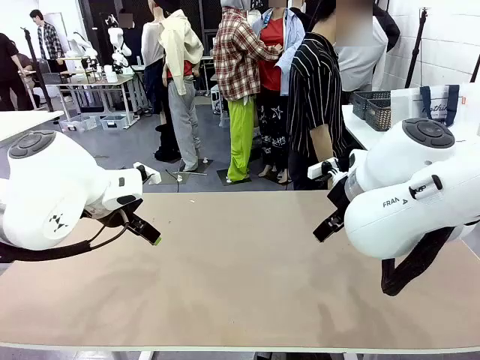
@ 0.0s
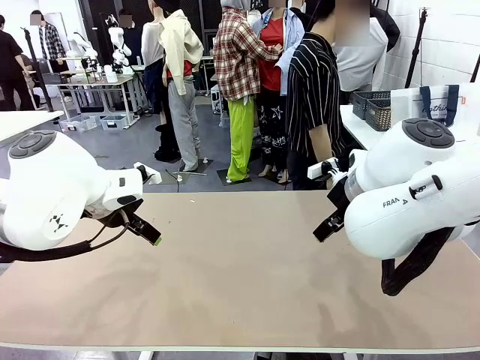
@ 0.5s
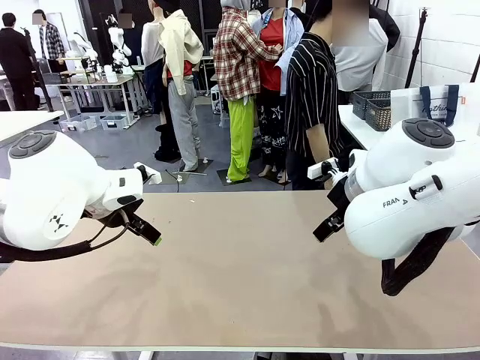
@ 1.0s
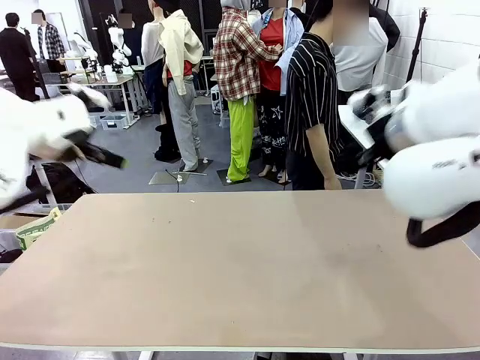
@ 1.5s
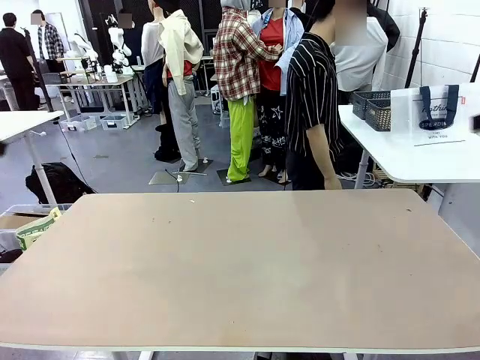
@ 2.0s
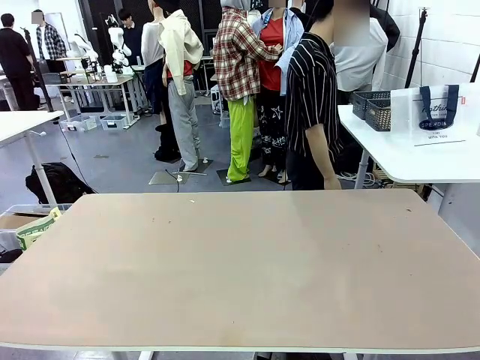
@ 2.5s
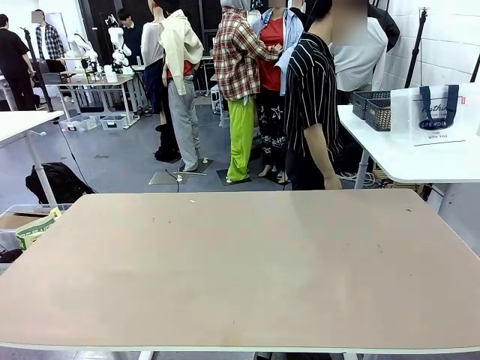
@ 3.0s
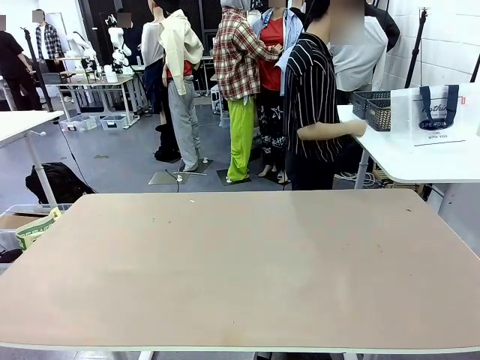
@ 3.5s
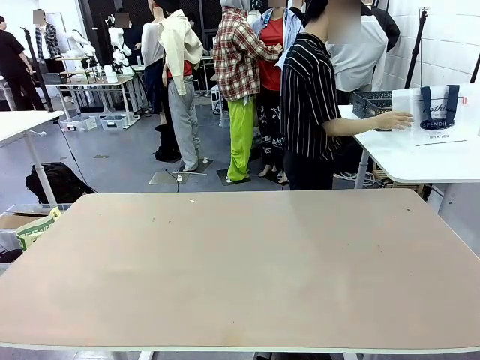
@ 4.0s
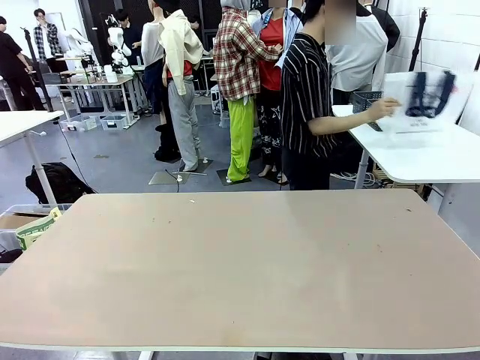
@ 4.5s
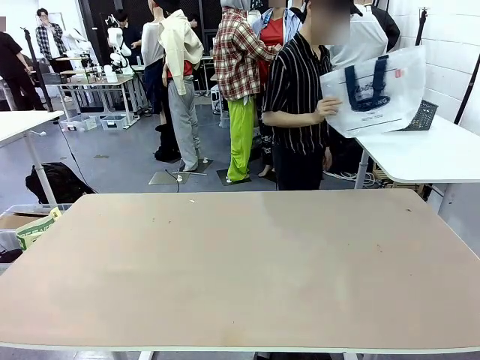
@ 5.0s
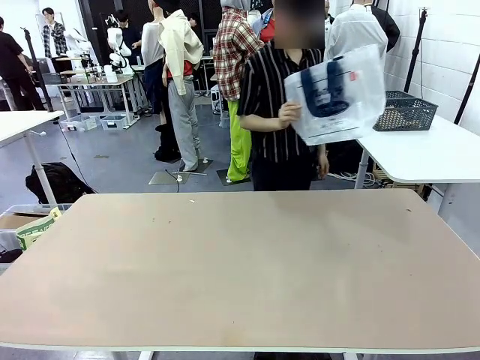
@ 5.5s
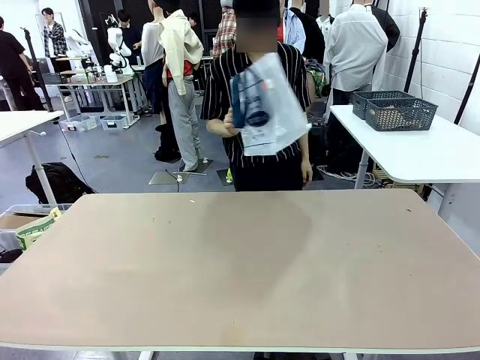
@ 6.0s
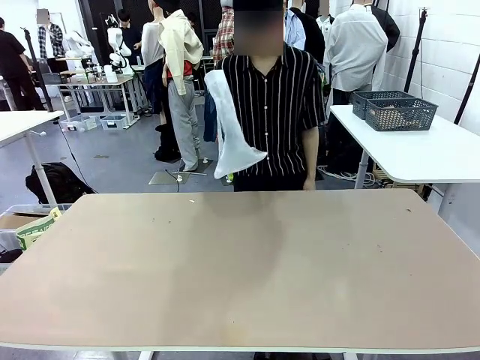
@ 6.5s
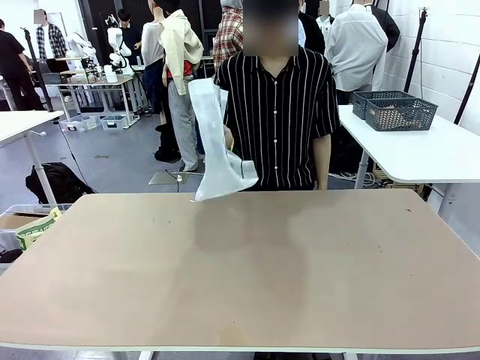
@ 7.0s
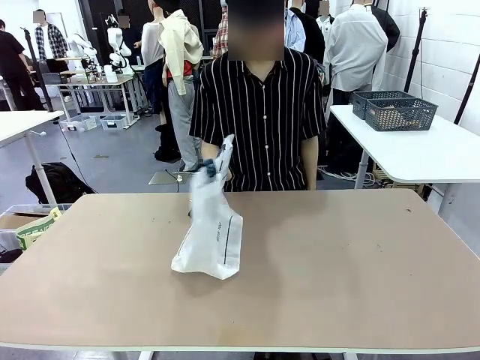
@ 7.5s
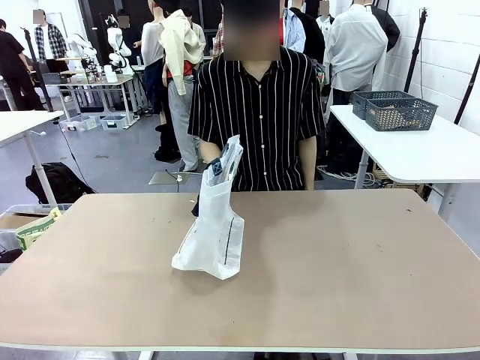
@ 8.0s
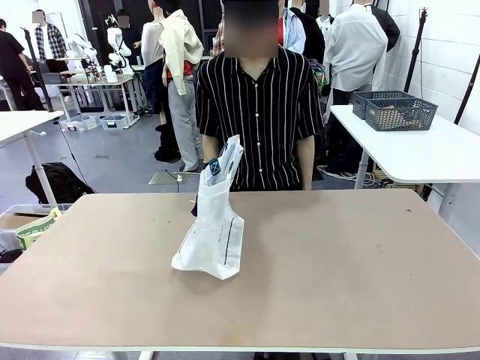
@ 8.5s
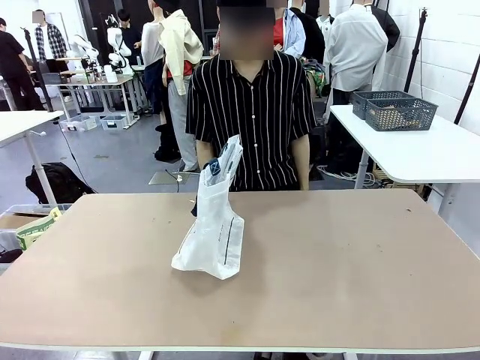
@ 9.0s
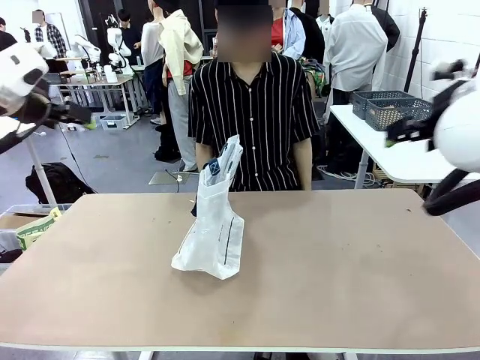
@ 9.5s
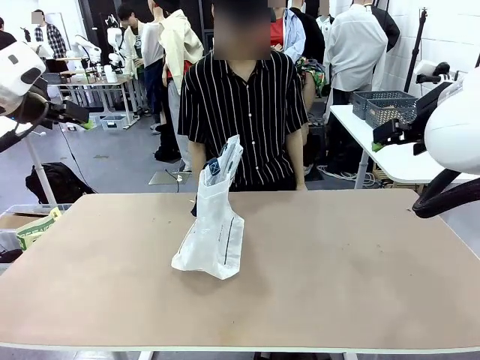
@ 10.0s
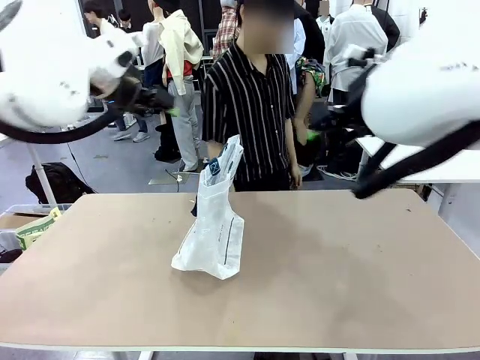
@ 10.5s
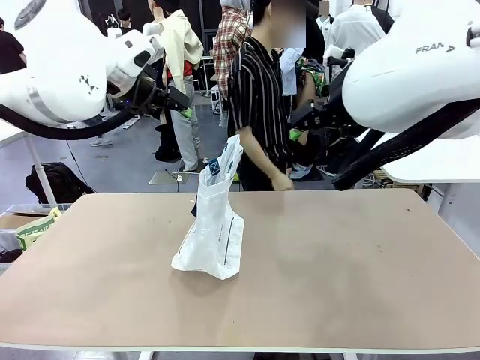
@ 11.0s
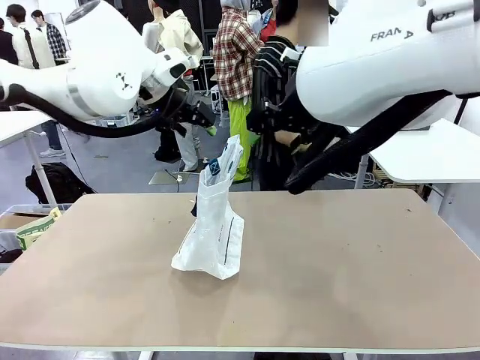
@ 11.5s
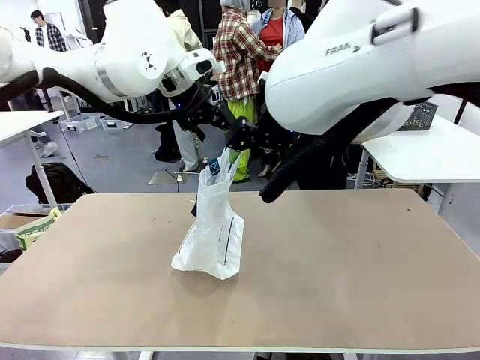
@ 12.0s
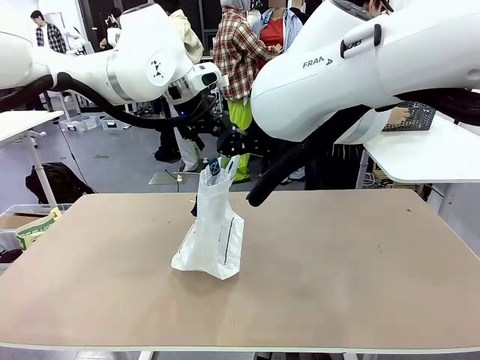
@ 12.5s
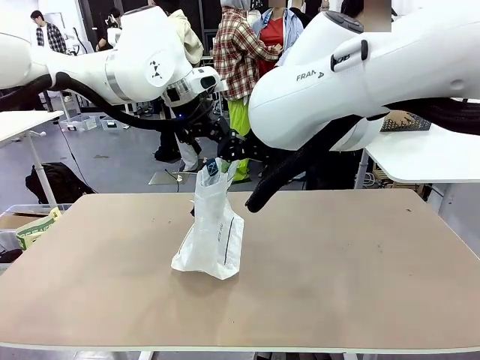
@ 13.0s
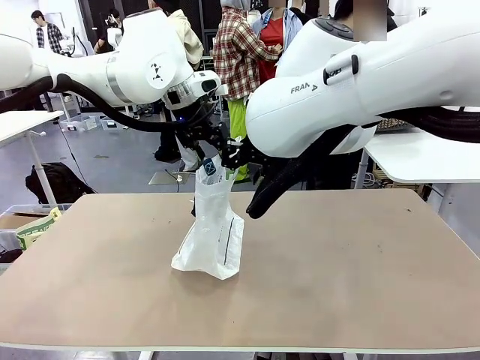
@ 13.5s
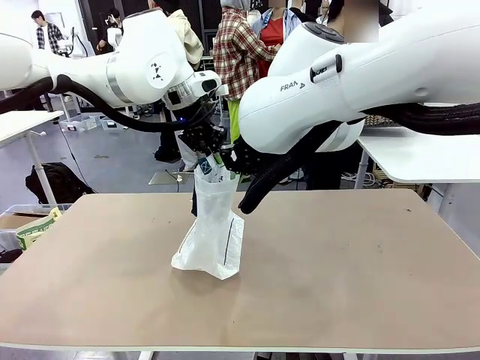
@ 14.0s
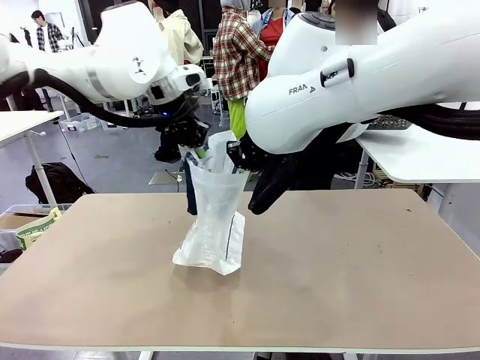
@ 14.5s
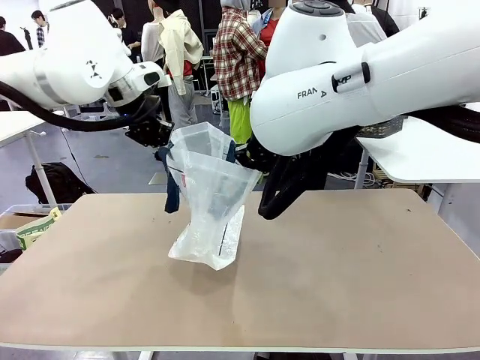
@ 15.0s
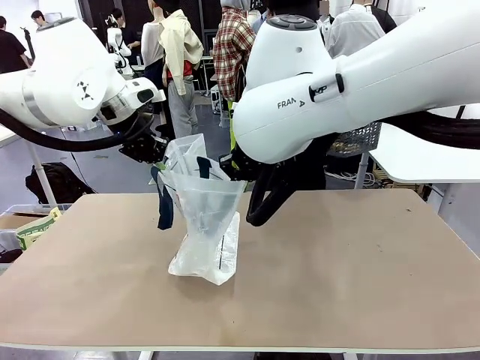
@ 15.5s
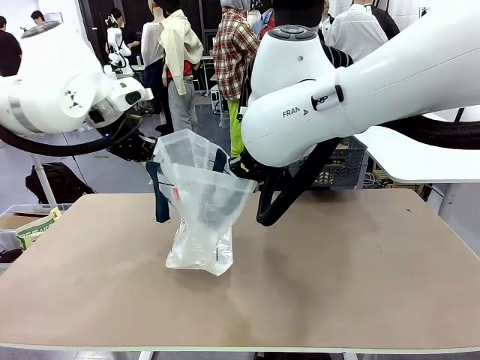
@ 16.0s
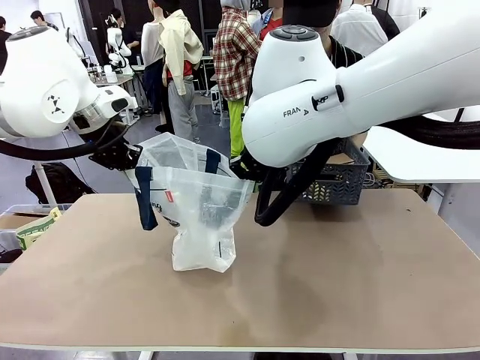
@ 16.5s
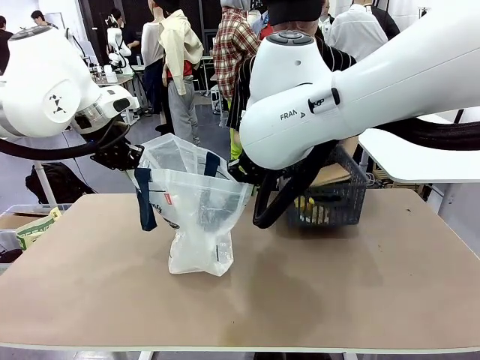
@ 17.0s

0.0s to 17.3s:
Task: Transfer purchased items from the store into the shopping bag.
Robot: Open the Reusable shopping bag in the center of the table.
Person: Pick up the shopping bag and place it in the middle of the robot table. Pick up the basket on the right, place it on the left side of the robot table, and move the items in the basket to the shopping bag.
